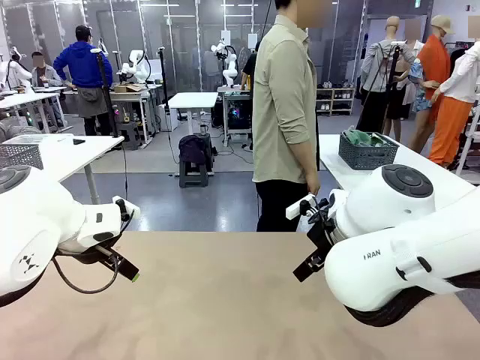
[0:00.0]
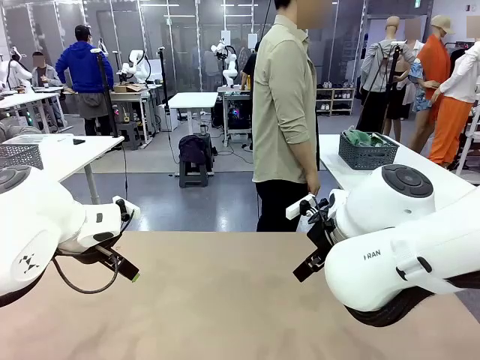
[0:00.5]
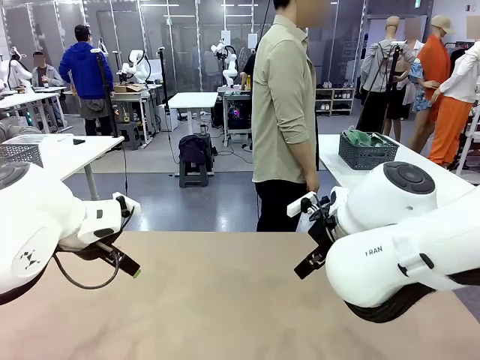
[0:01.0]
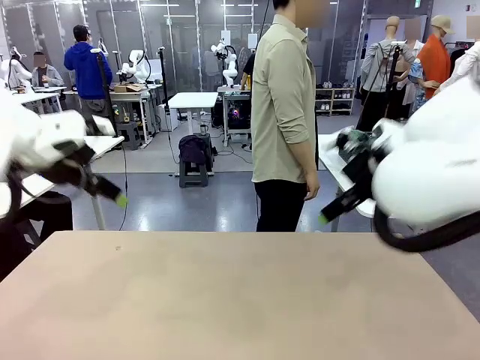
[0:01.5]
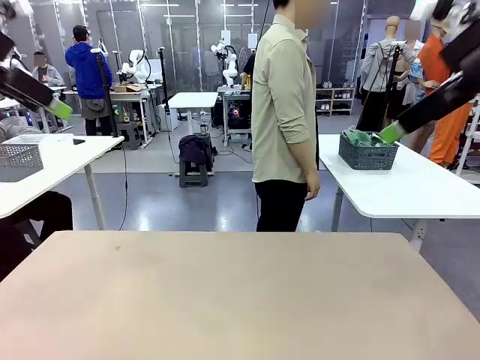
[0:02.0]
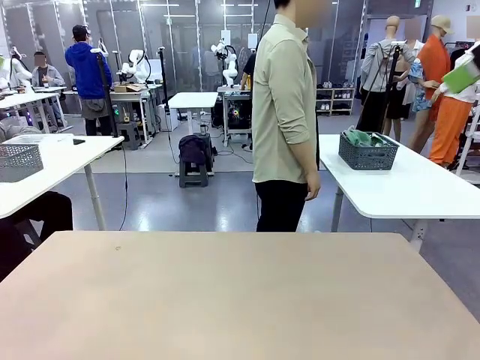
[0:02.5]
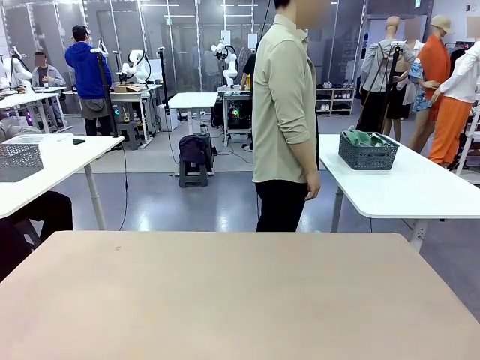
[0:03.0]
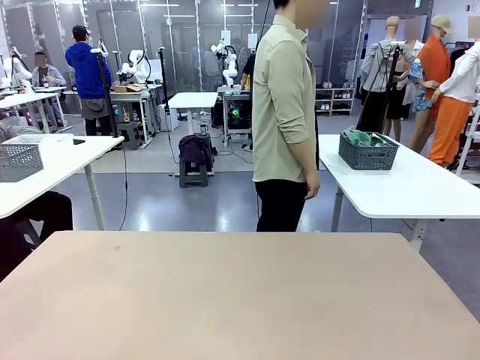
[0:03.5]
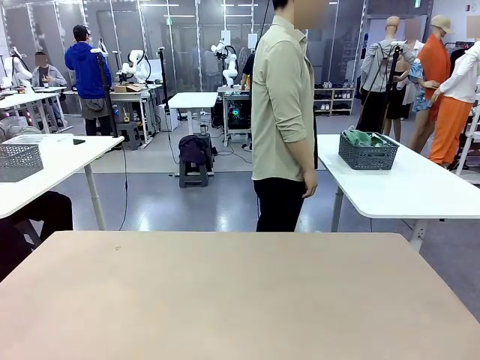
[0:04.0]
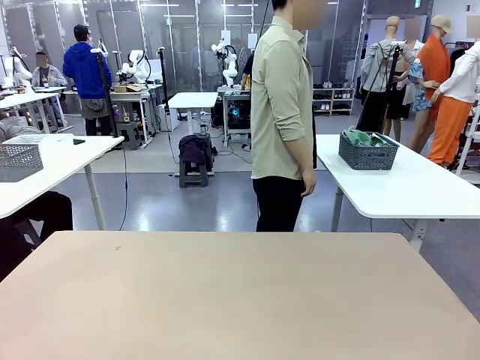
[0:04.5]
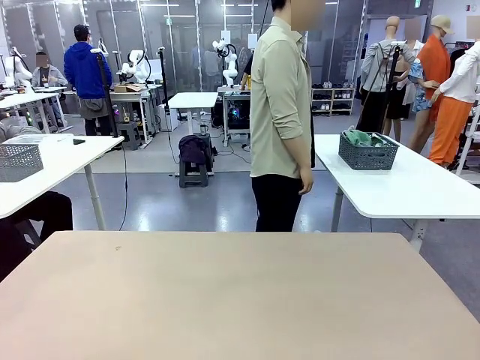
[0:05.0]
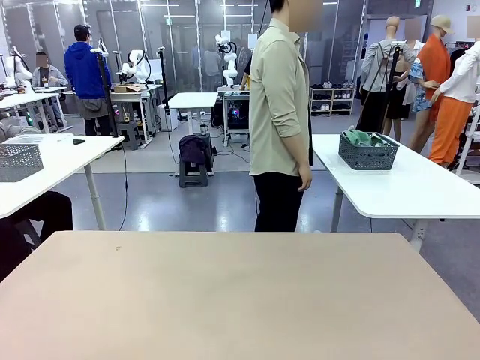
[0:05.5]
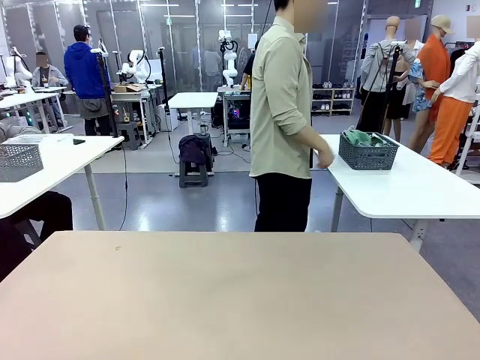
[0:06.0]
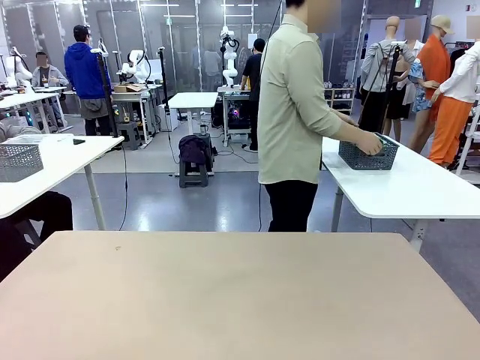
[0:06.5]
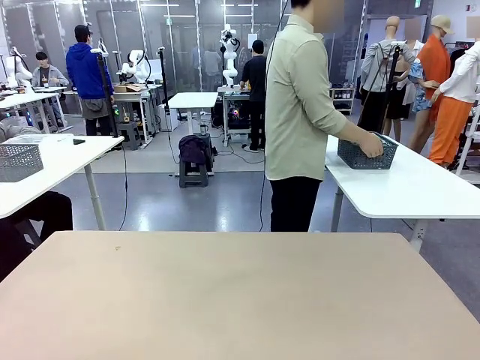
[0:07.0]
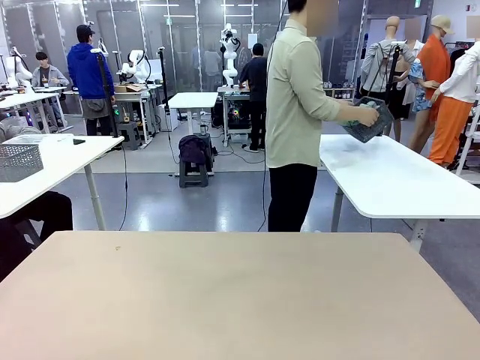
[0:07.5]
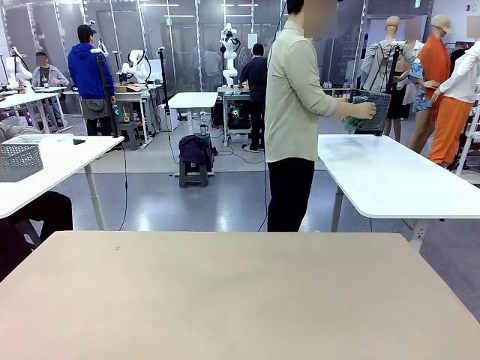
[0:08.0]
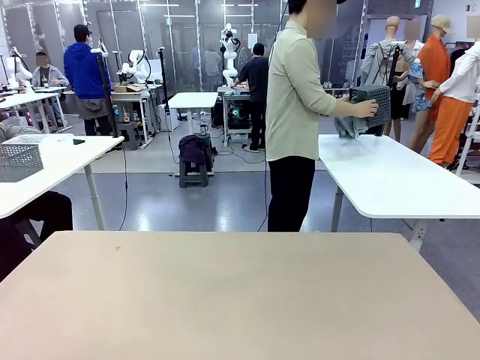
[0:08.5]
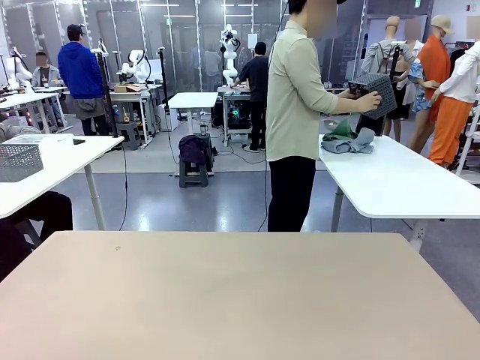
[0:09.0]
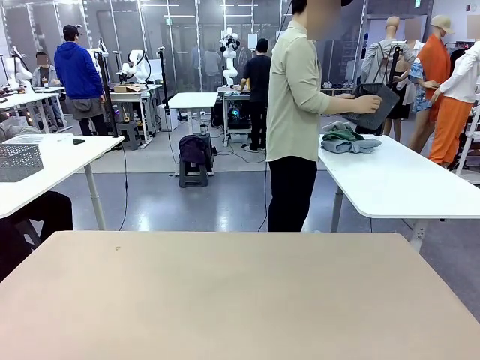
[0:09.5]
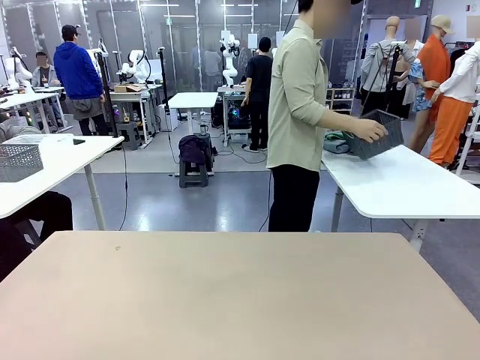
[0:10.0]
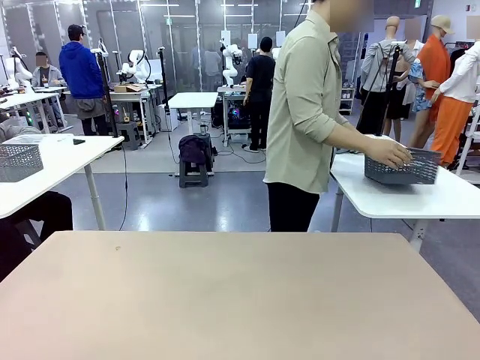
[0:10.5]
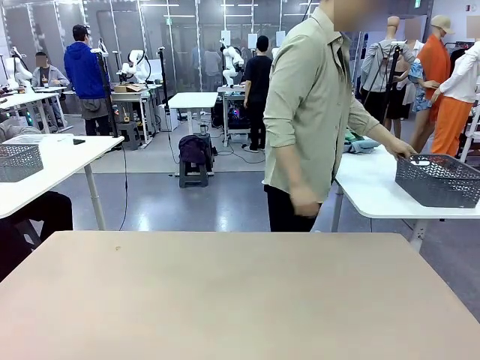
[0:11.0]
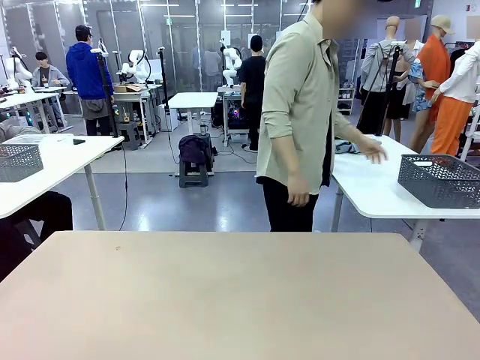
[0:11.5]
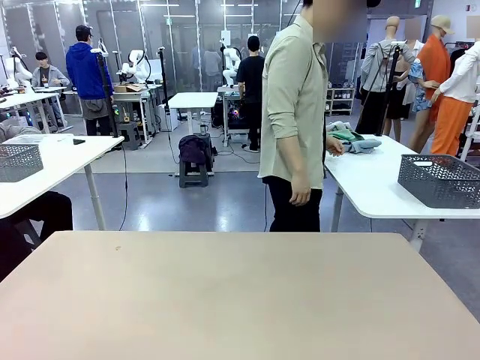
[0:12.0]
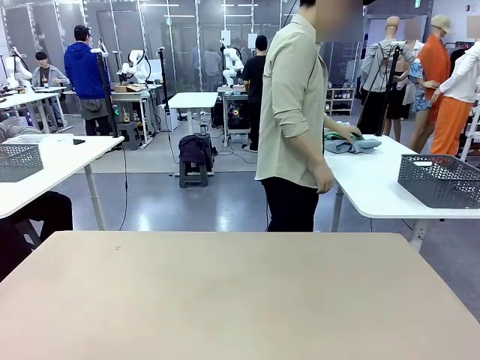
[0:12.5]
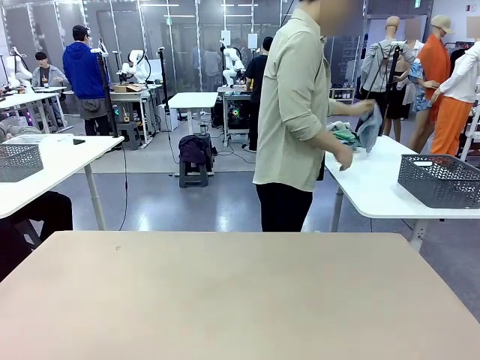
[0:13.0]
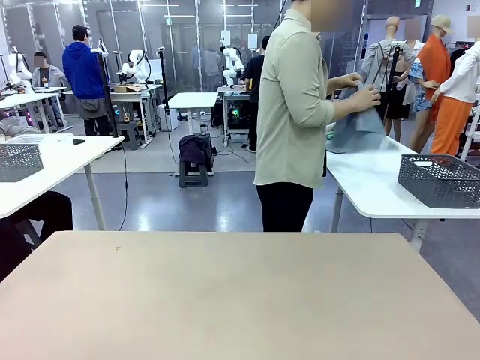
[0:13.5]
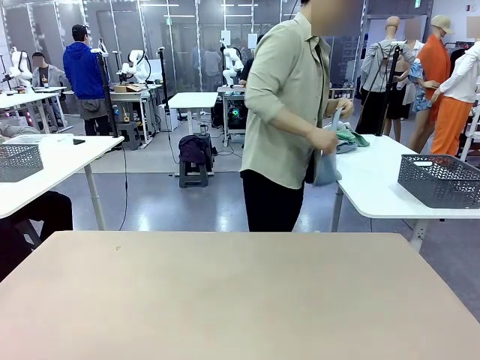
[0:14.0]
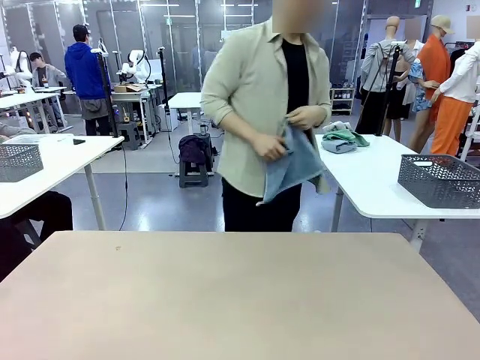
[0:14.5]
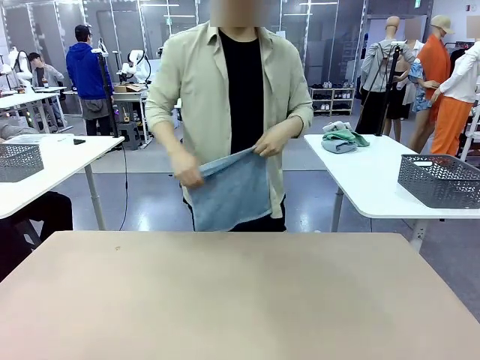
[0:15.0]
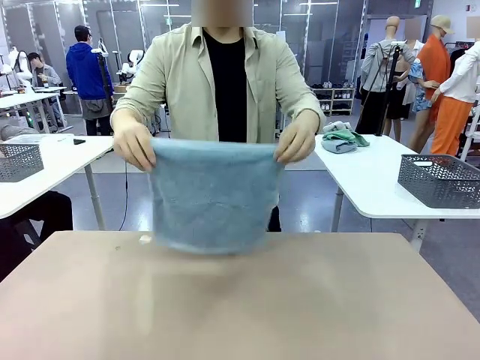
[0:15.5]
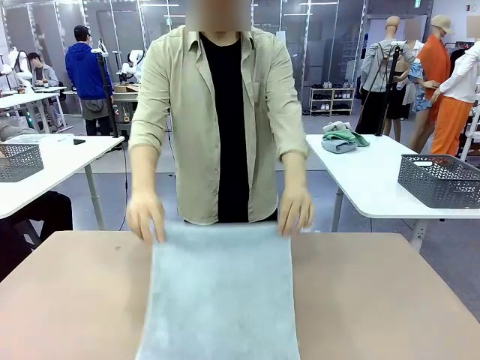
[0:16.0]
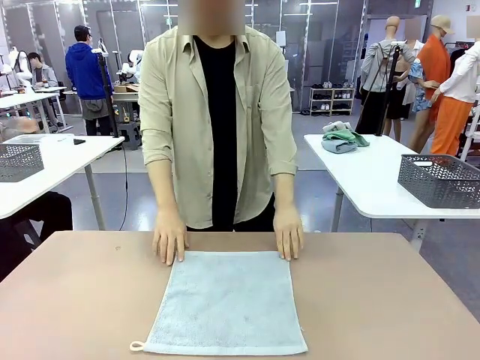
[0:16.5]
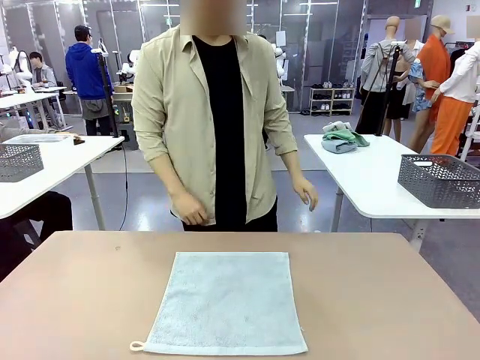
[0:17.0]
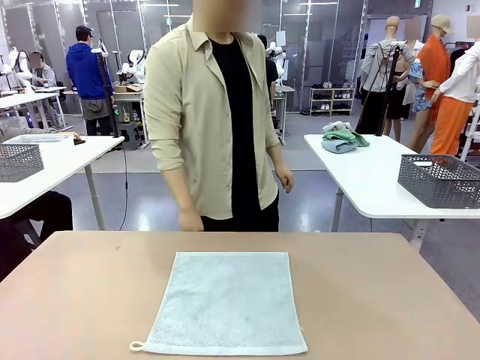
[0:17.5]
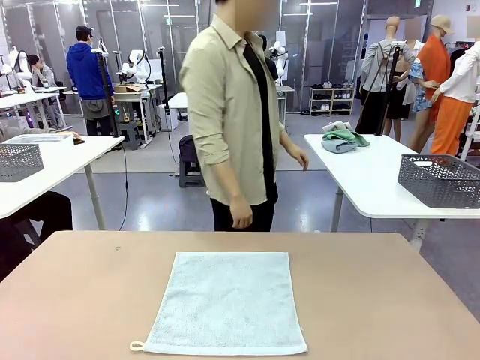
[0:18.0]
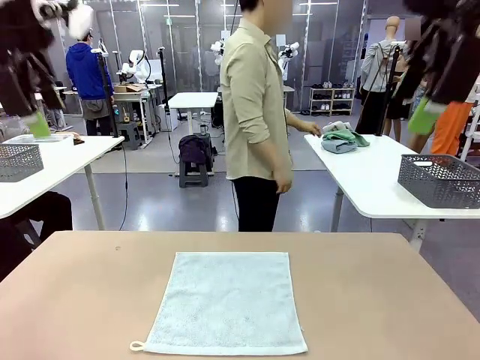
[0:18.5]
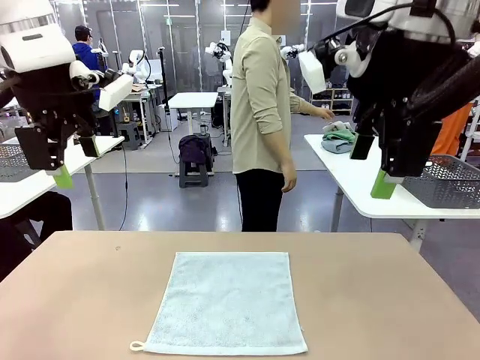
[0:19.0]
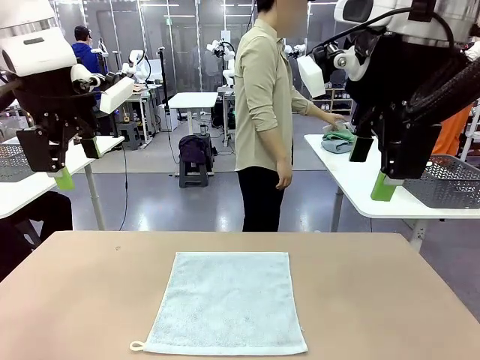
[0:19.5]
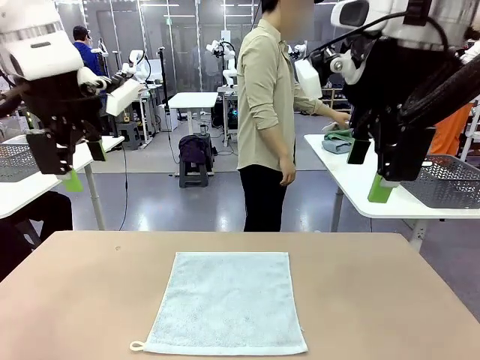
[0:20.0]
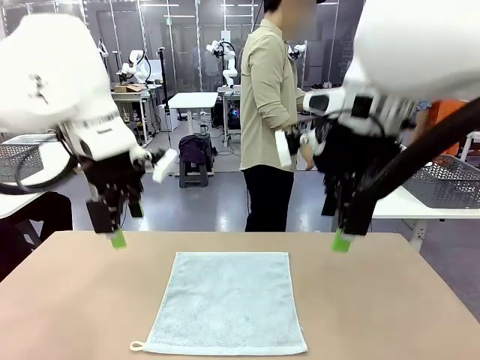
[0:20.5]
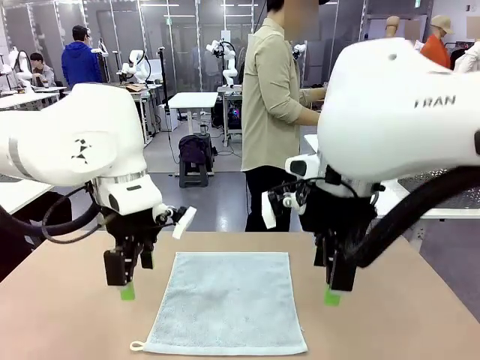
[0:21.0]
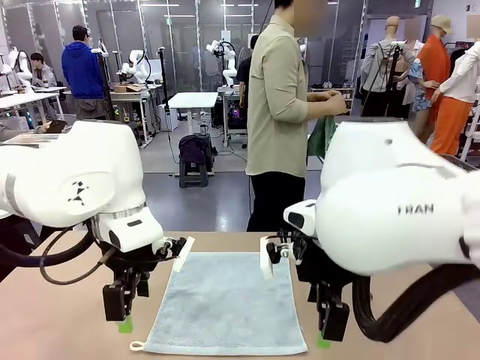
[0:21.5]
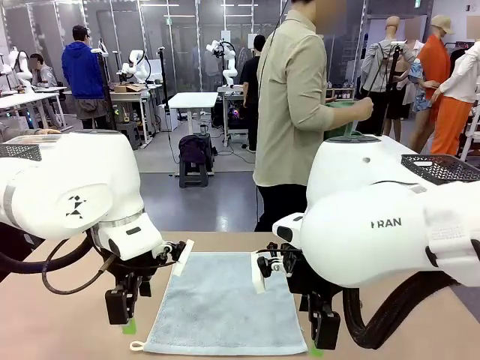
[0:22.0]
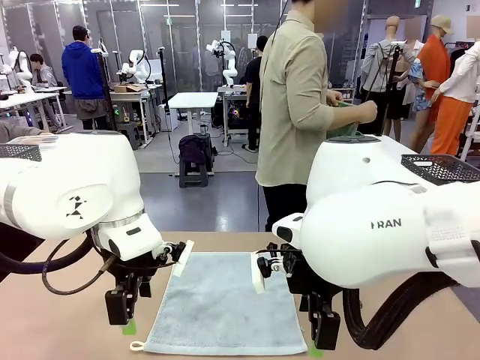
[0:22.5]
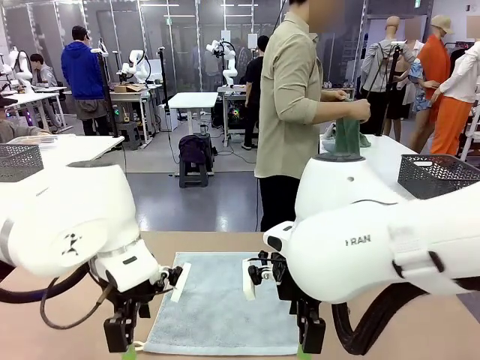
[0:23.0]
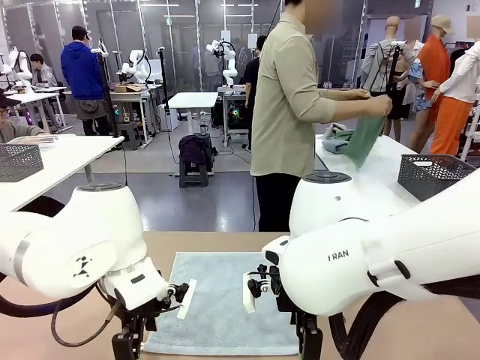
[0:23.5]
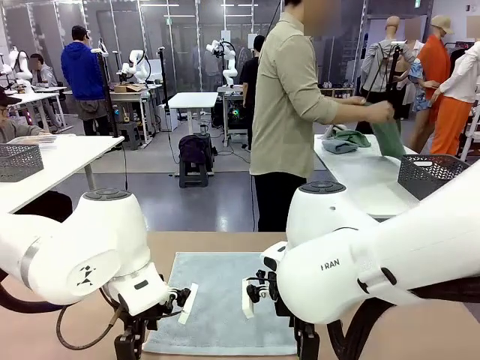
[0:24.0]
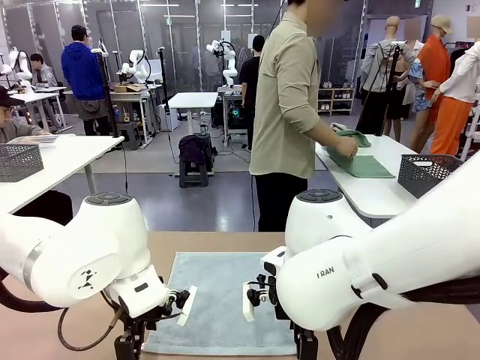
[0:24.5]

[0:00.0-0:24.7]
Task: Fold the towels and place them in the basket.
Robot: When a person lays out a Towel with hook on the table, fold it in half twice.
Person: Pick up the basket, pour the towels onto the left side of the human table, and place the basket on the right side. Pick up one towel and spread it out at the center of the robot table.
